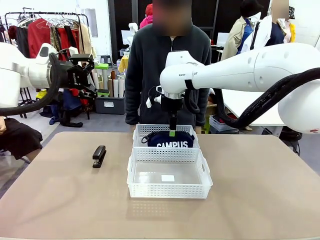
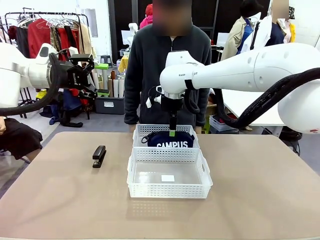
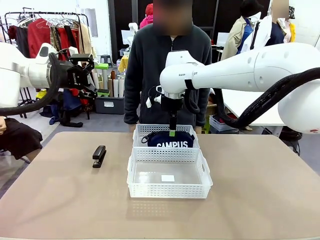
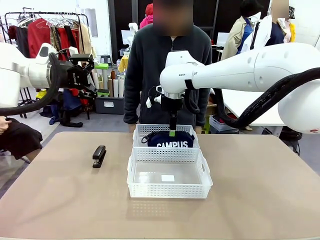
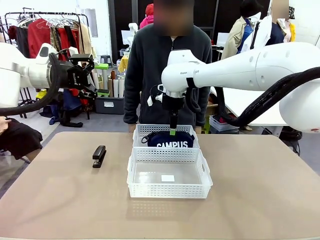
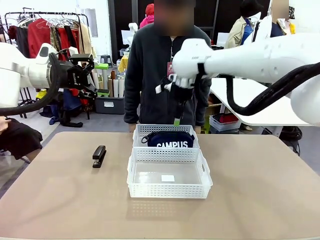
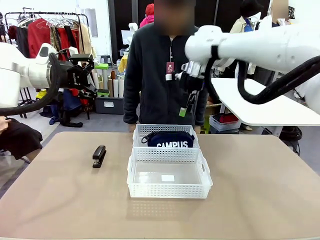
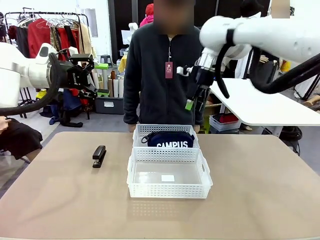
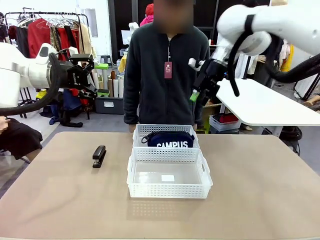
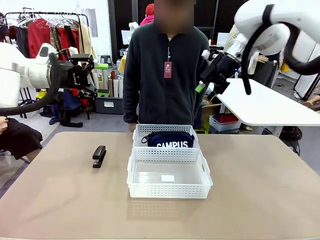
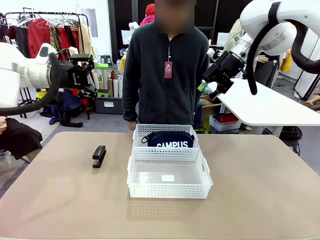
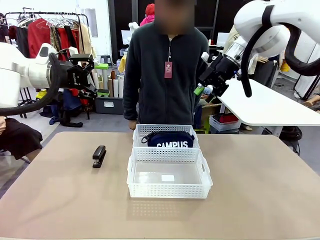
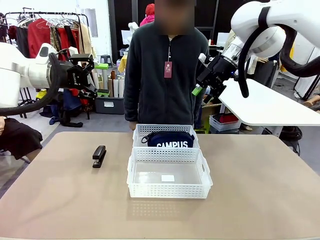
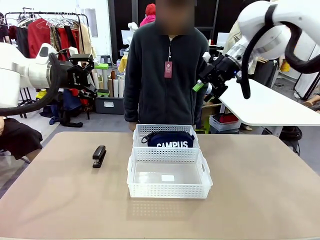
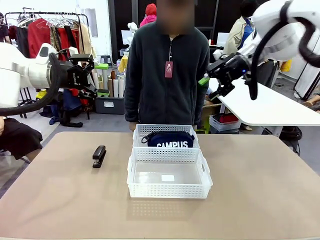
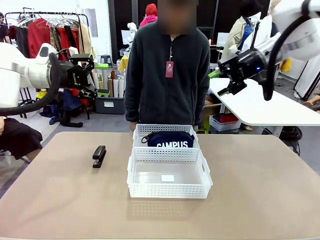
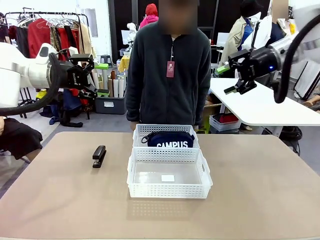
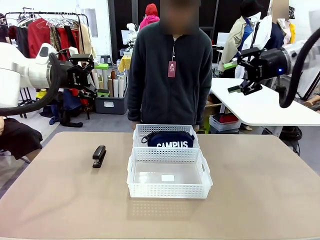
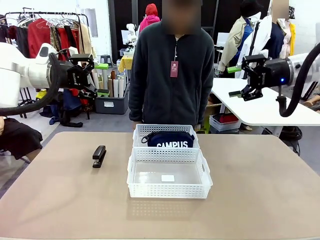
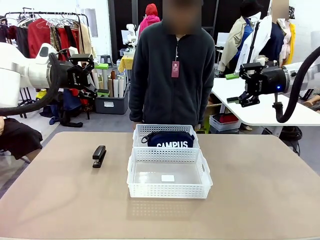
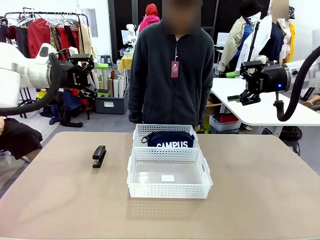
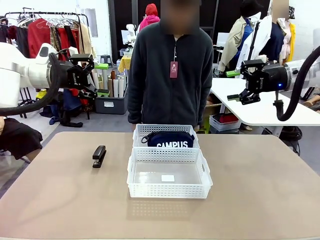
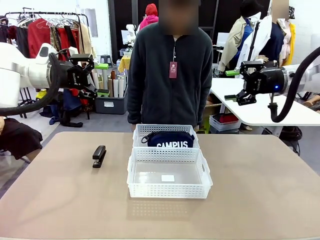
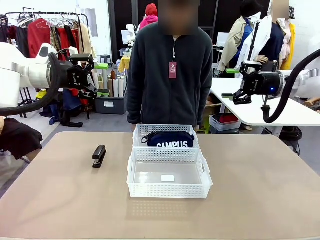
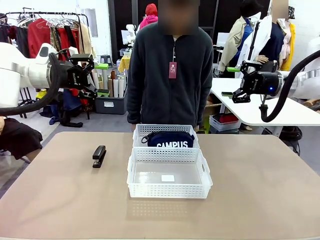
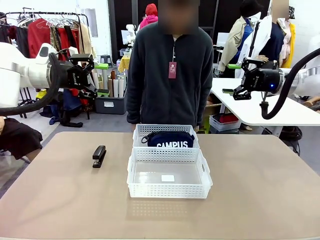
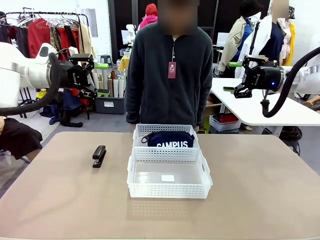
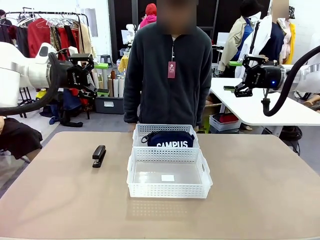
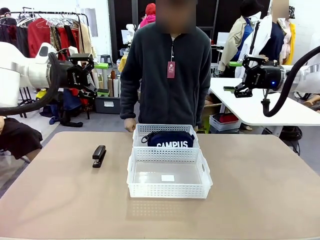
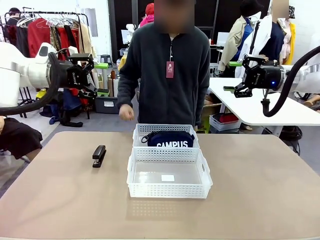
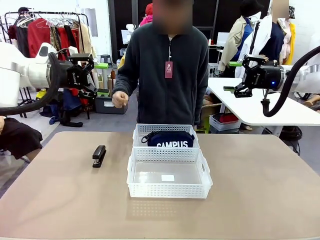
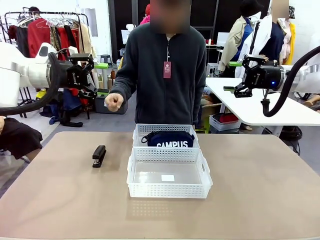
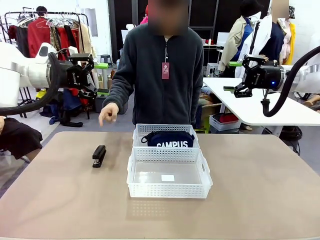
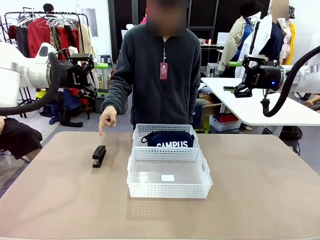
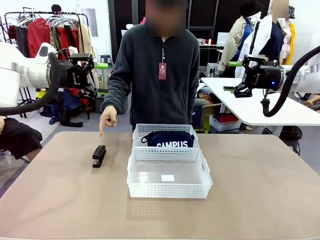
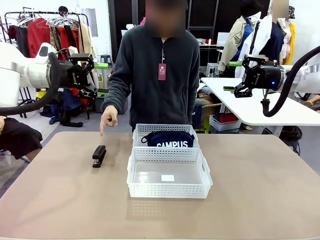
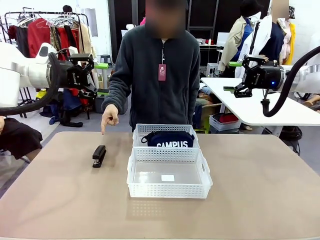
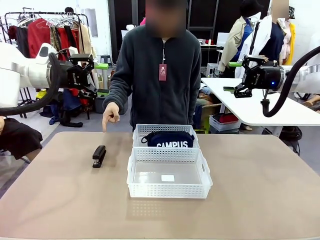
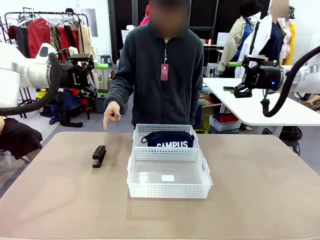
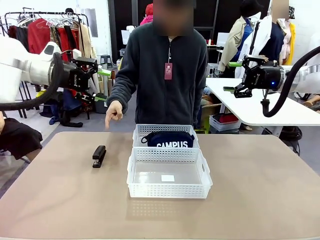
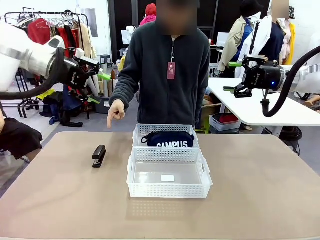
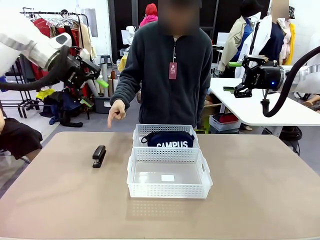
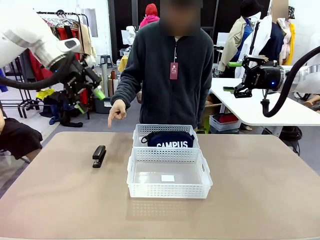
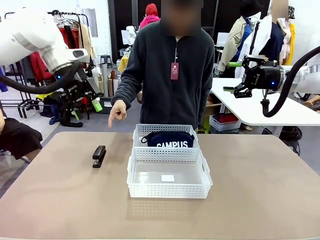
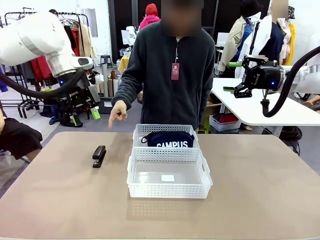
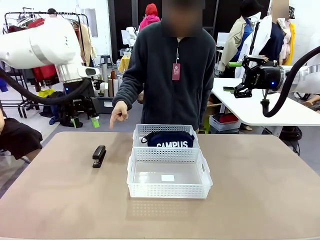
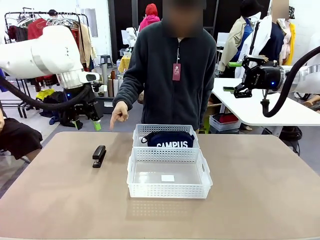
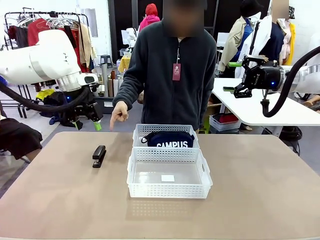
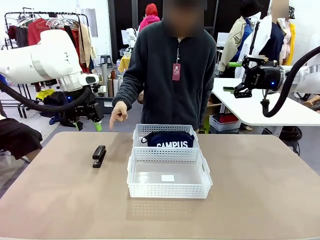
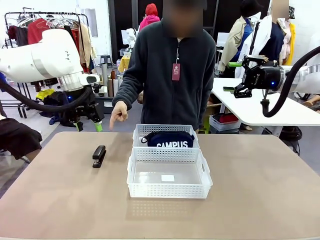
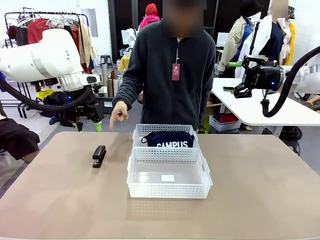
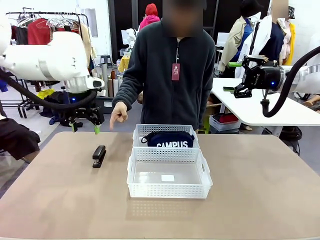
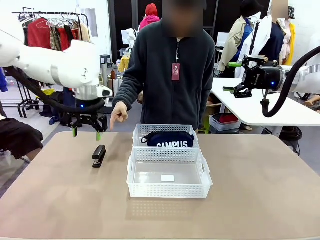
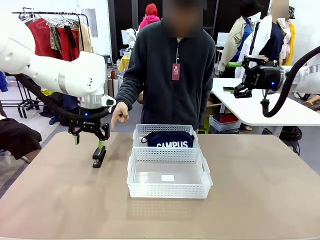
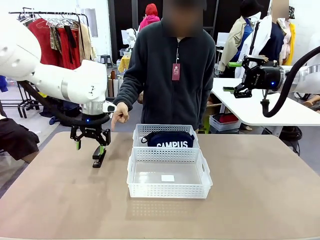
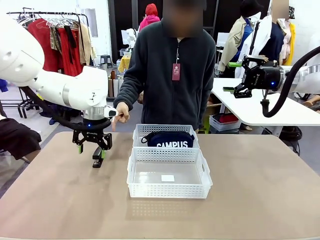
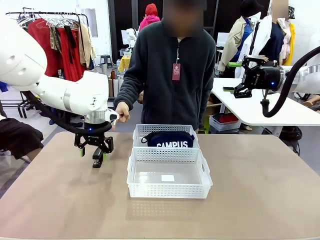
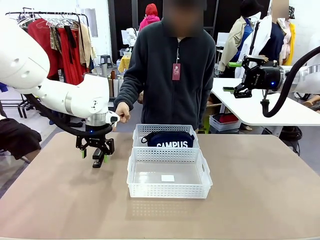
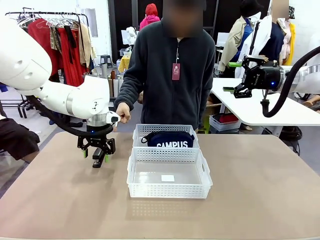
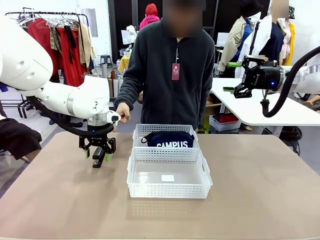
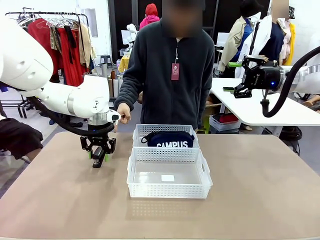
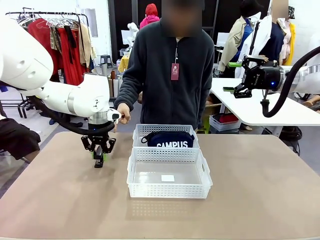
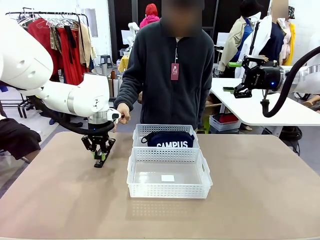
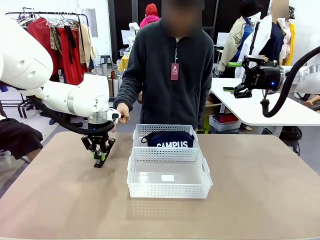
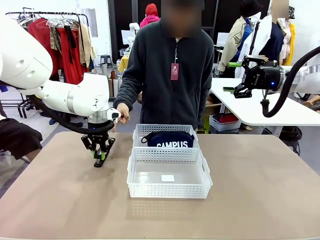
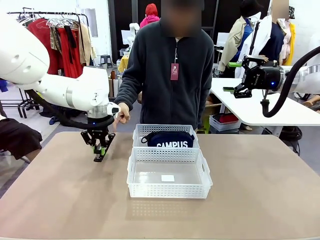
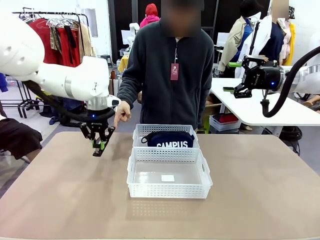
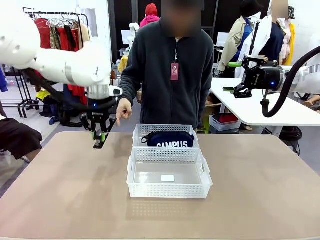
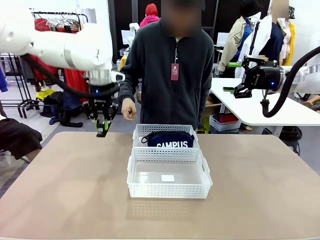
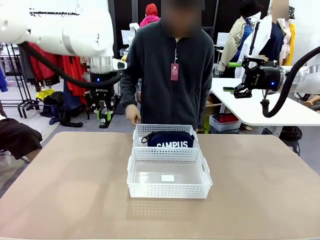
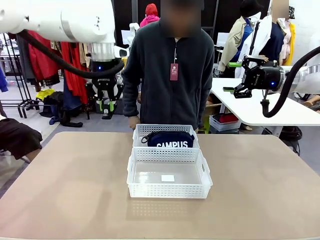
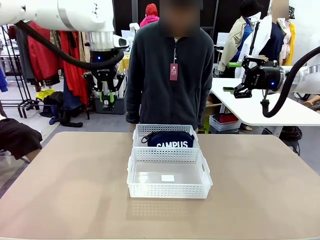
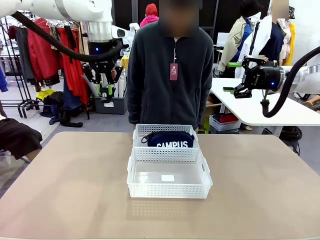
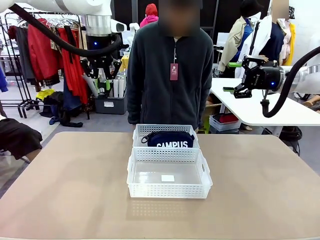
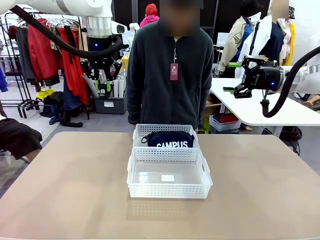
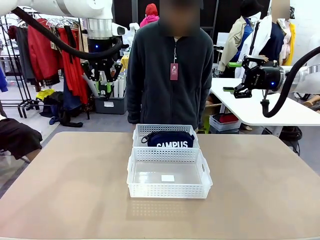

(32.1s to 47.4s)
Task: Distribute items into two baskets.
Robot: Pick up the Stapler that the person points to.
Person: Points to the stapler.
